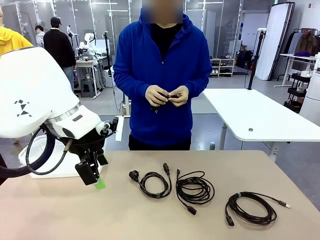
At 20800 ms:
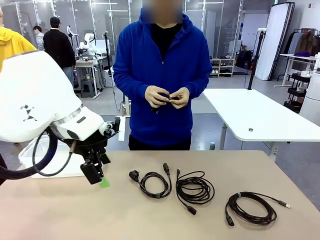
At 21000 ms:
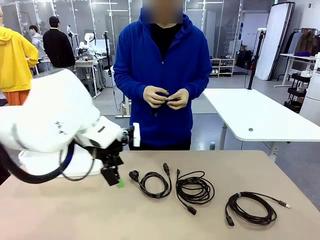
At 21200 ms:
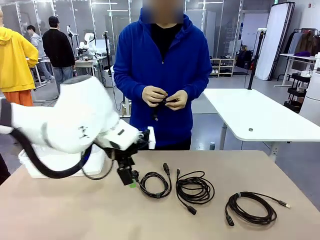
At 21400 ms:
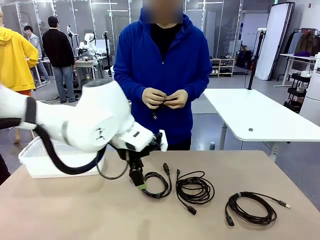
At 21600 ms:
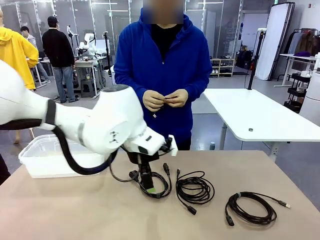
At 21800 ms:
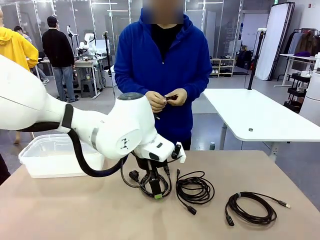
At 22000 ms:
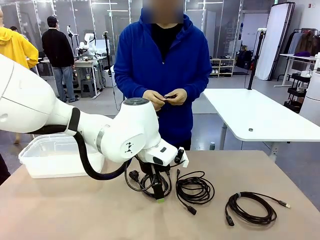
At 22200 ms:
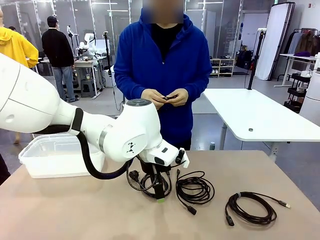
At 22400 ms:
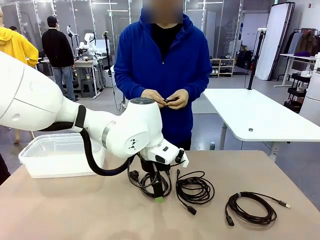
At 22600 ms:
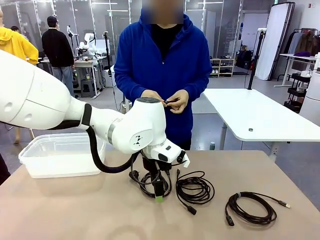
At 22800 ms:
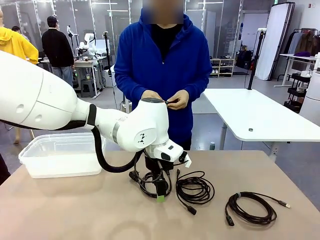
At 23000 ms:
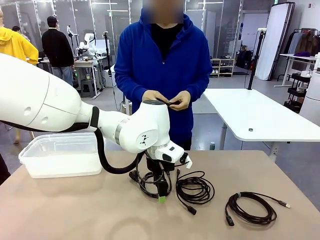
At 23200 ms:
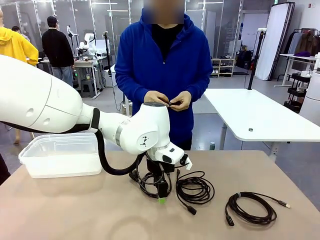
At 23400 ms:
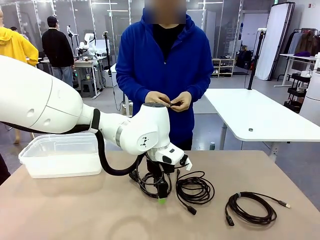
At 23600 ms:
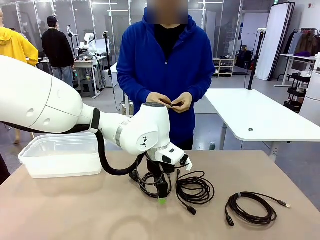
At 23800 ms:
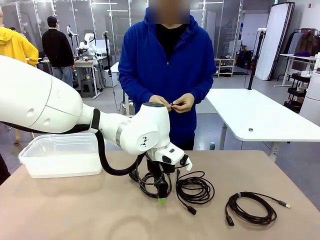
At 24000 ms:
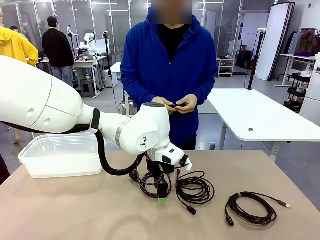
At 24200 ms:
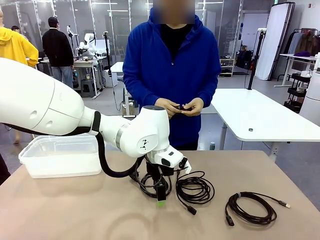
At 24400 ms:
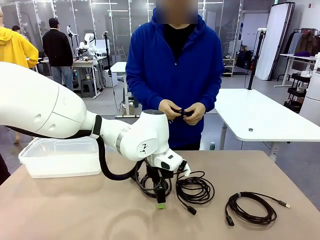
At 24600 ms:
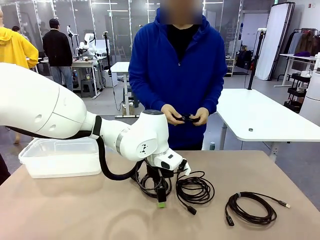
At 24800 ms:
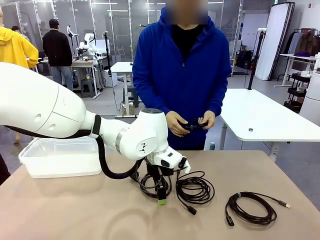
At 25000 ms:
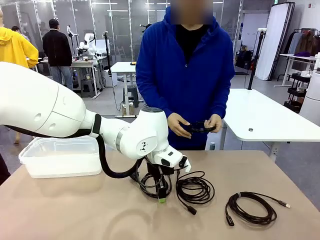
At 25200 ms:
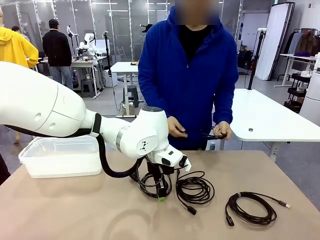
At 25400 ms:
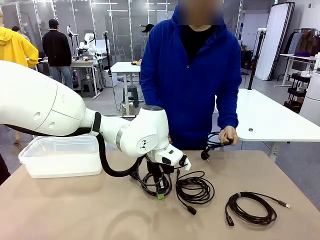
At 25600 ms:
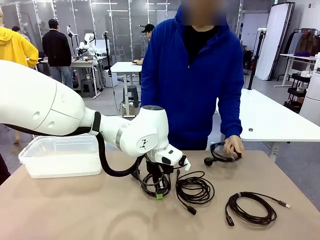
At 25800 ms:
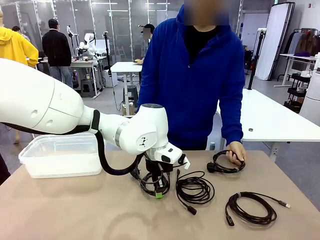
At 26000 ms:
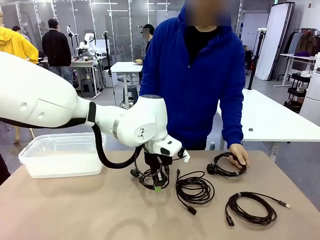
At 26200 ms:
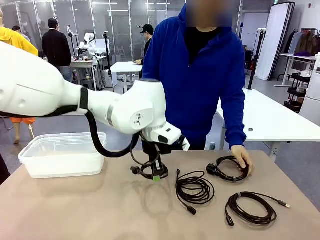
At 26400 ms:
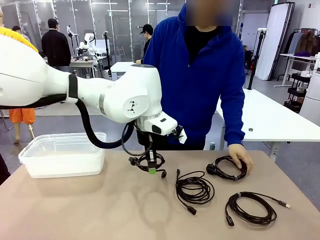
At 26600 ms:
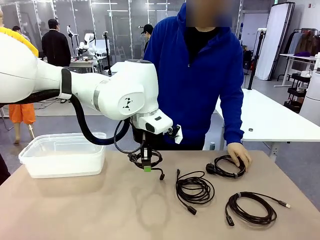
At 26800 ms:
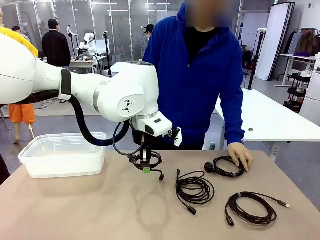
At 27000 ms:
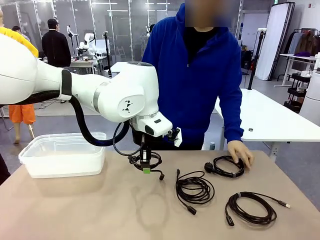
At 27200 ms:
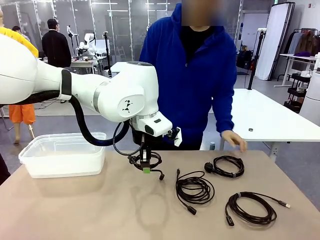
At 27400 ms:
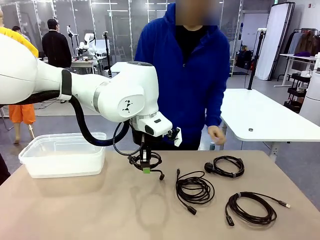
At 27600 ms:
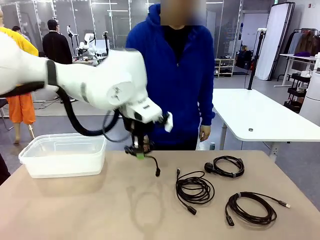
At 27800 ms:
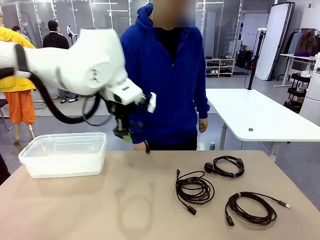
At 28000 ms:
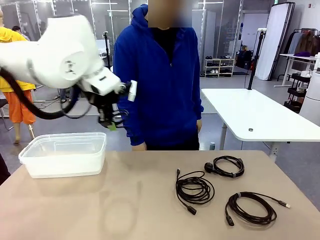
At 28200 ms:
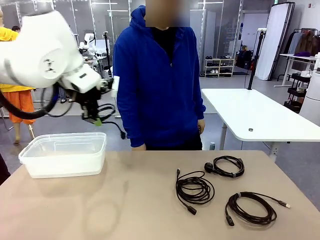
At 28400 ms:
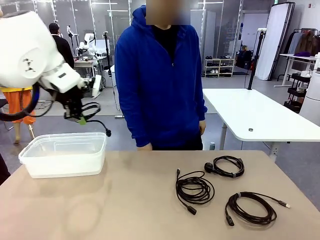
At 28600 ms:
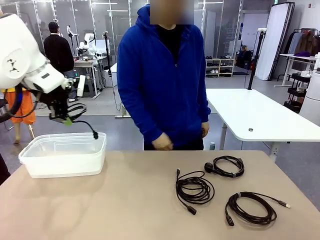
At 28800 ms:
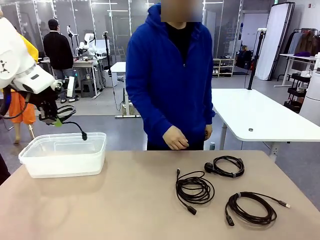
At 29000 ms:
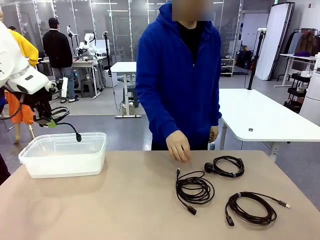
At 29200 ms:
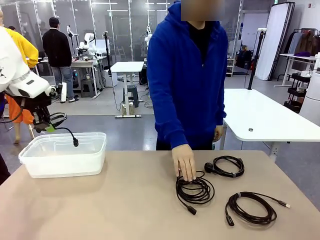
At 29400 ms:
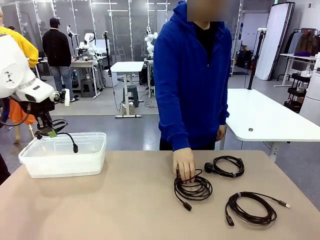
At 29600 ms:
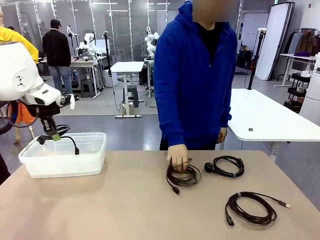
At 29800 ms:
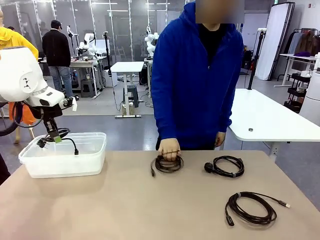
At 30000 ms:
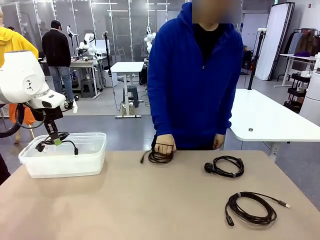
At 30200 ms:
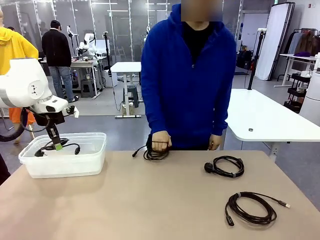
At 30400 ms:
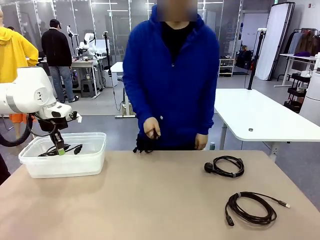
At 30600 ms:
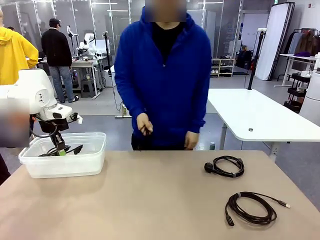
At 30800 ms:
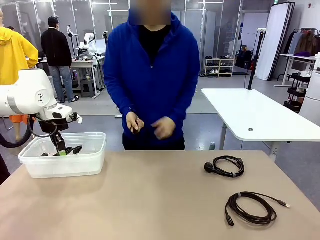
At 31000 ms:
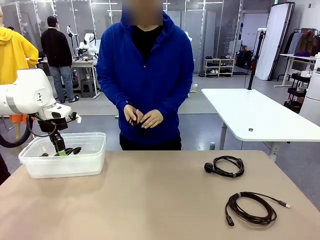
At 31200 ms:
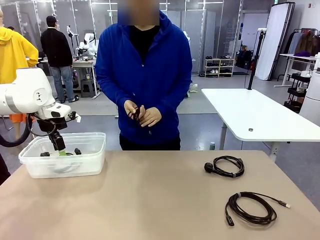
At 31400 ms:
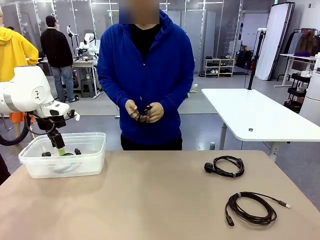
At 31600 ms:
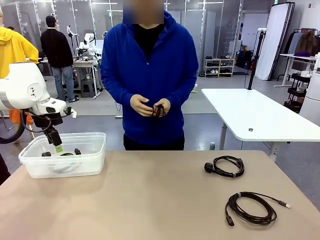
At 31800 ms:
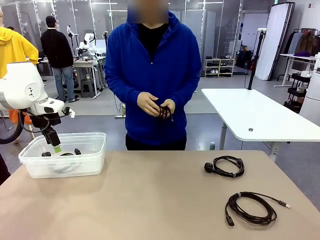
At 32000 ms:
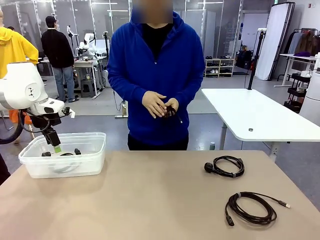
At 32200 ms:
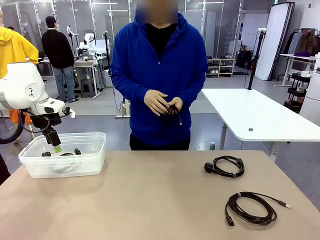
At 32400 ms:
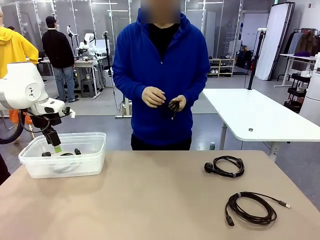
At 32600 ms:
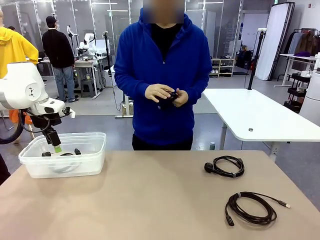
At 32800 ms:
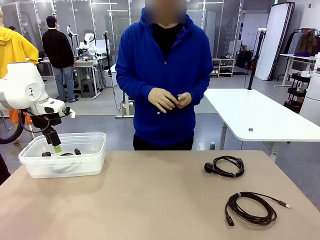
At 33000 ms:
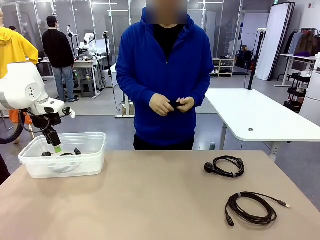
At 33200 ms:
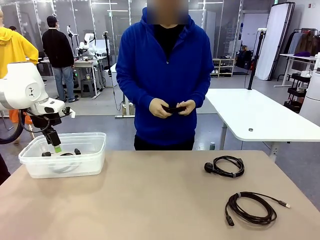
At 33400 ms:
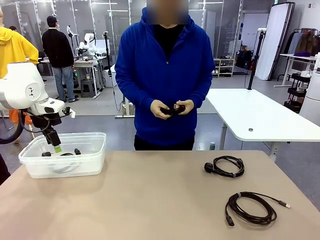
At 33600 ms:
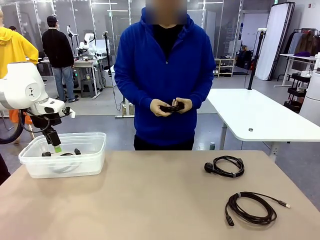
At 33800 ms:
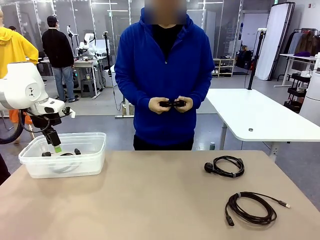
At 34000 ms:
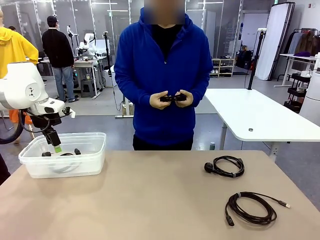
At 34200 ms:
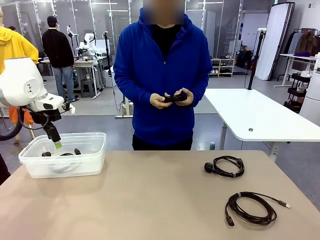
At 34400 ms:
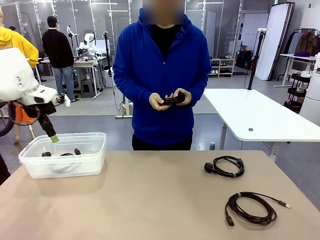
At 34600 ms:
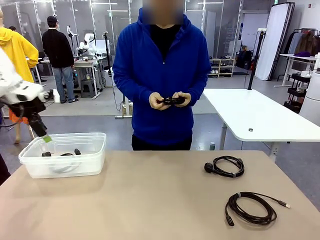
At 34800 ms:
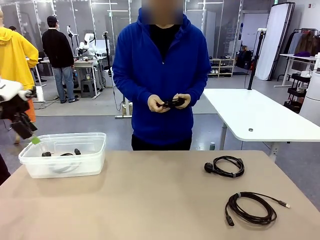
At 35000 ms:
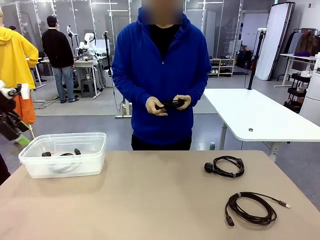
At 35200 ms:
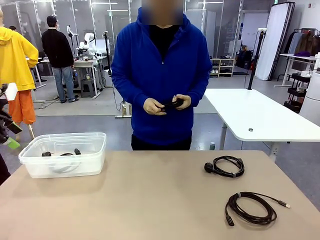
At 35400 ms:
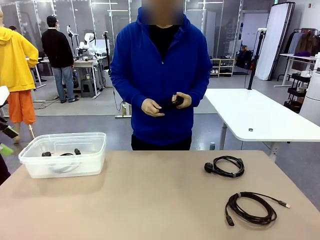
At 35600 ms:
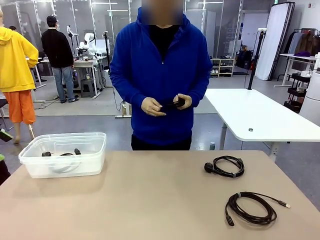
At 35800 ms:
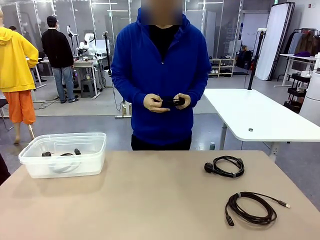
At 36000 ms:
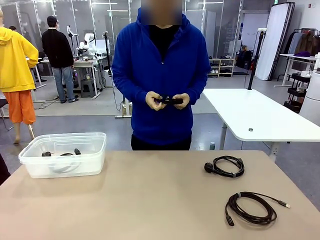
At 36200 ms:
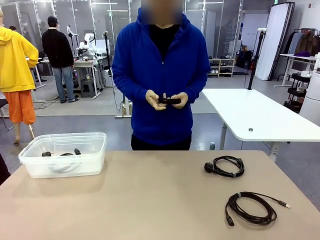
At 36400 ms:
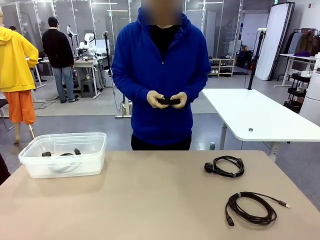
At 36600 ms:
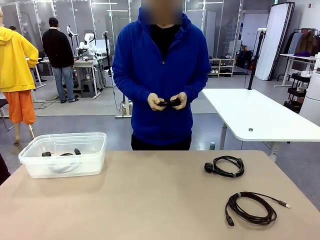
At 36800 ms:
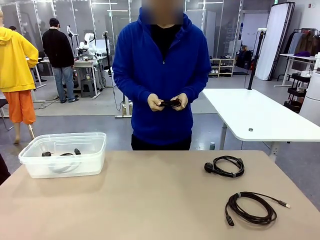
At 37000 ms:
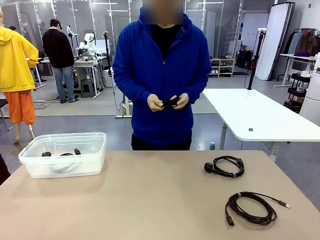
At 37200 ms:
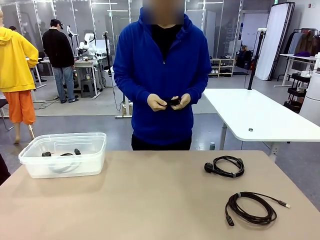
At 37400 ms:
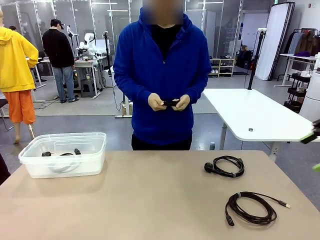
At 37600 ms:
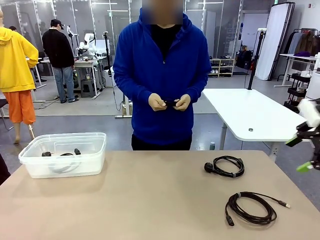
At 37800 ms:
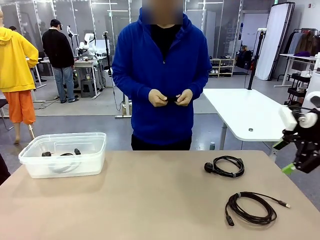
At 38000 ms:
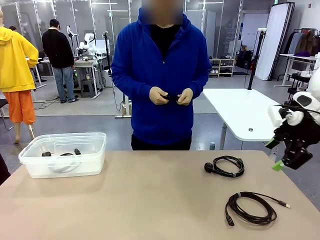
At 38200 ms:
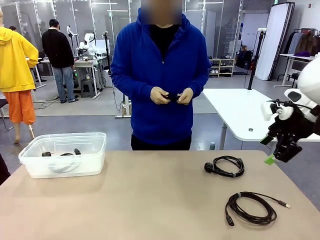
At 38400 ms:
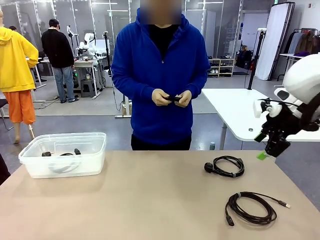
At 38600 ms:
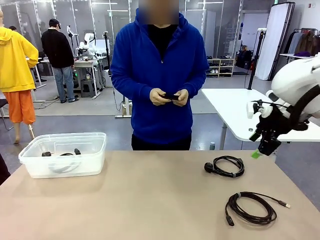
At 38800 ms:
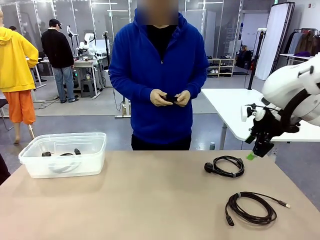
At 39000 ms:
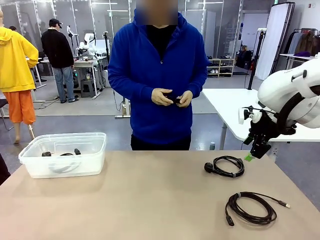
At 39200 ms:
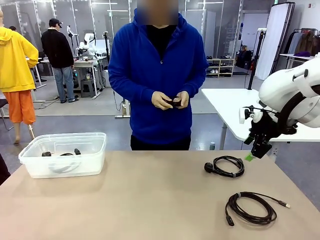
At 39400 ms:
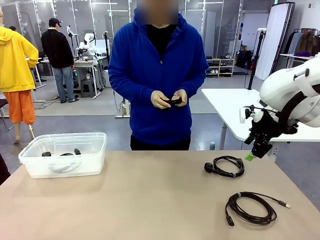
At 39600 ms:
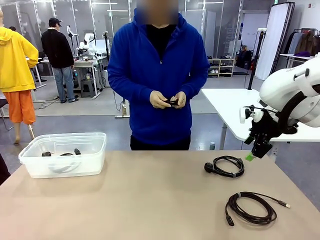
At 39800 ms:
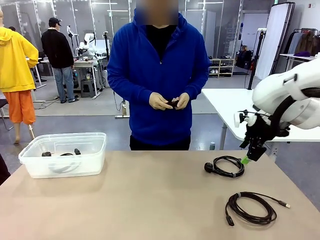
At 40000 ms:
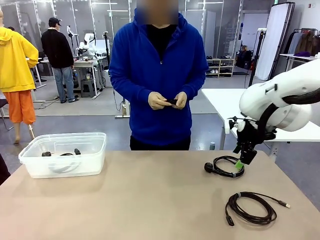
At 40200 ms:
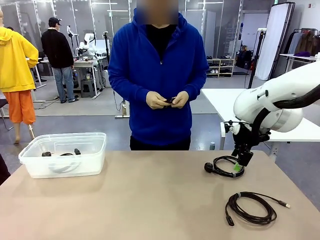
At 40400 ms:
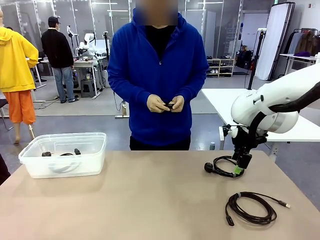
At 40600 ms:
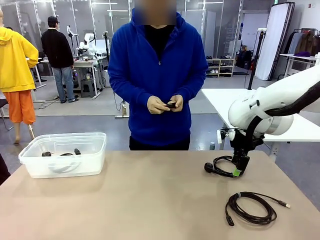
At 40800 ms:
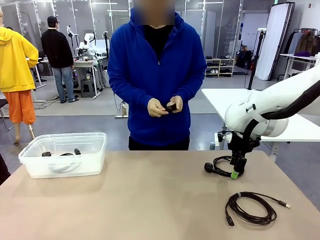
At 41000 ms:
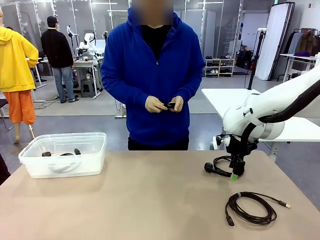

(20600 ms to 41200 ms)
Task: Organize and store the cables.
Robot: Place the Power Cable into the Organizing box.
